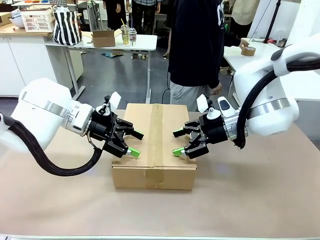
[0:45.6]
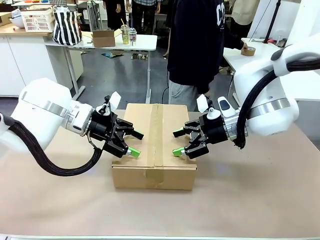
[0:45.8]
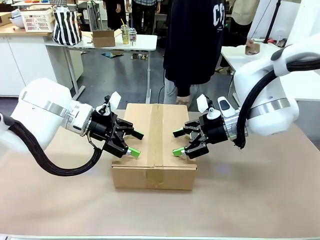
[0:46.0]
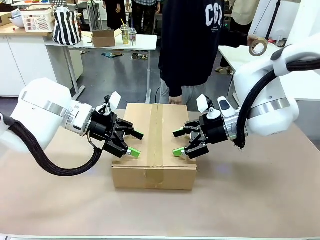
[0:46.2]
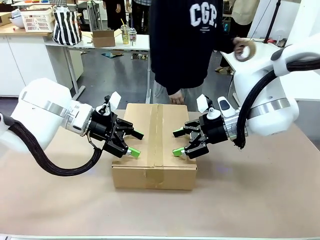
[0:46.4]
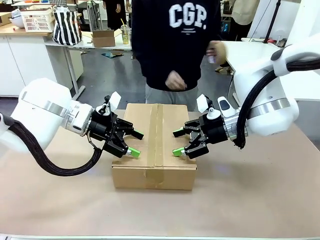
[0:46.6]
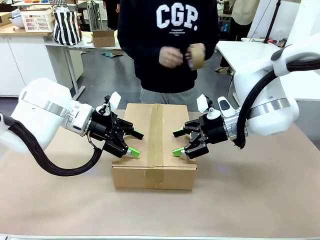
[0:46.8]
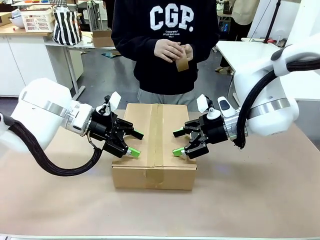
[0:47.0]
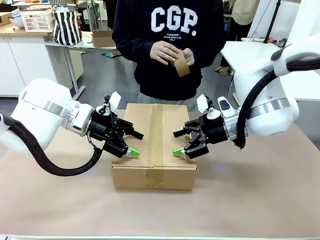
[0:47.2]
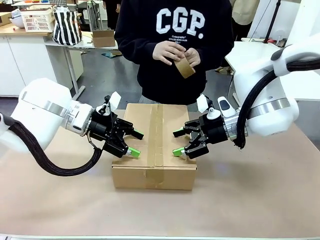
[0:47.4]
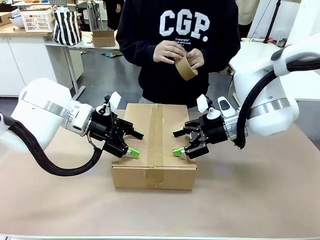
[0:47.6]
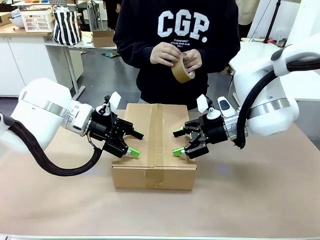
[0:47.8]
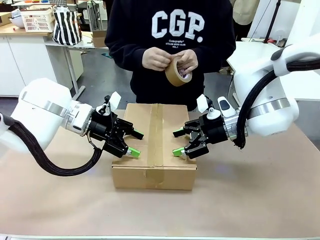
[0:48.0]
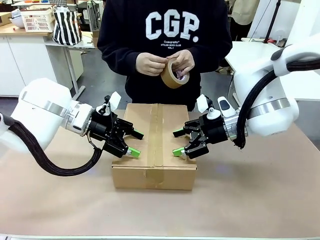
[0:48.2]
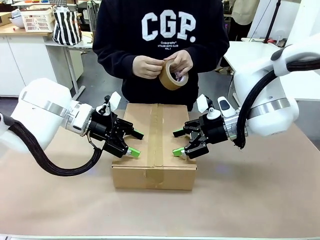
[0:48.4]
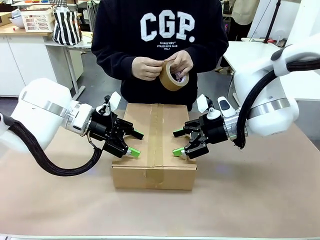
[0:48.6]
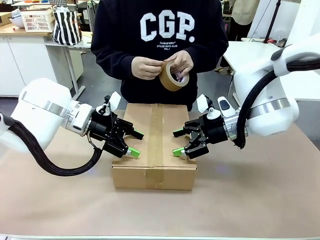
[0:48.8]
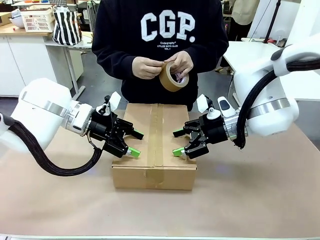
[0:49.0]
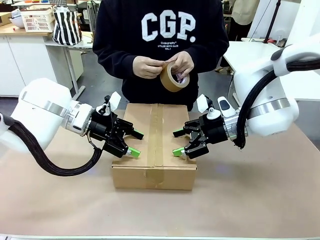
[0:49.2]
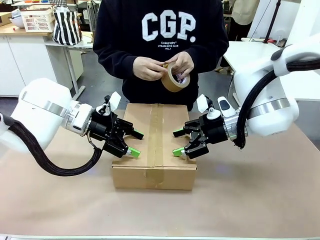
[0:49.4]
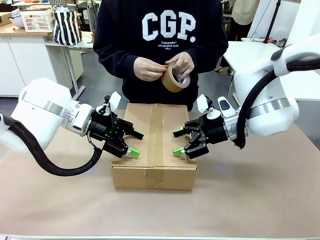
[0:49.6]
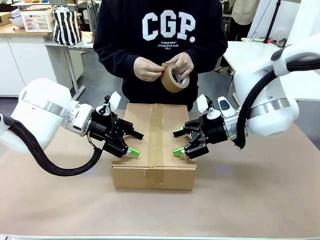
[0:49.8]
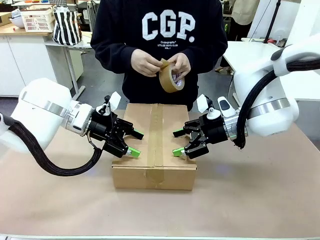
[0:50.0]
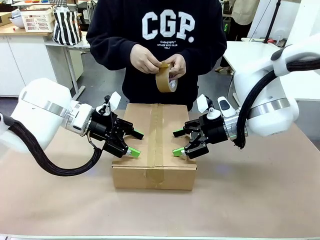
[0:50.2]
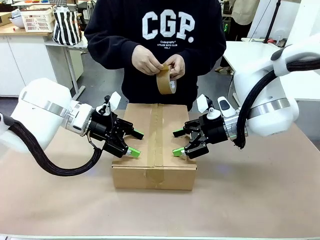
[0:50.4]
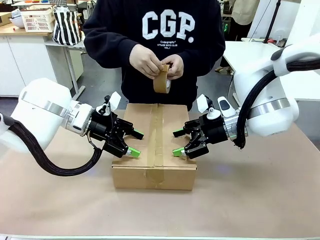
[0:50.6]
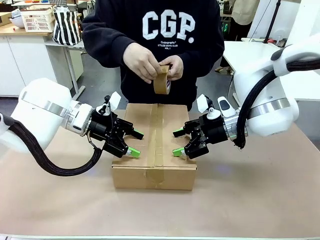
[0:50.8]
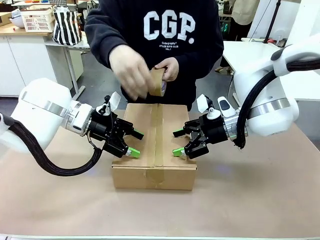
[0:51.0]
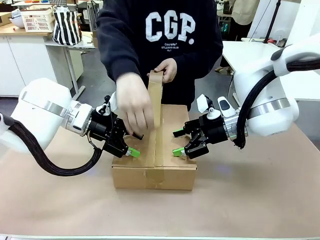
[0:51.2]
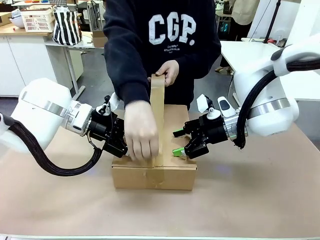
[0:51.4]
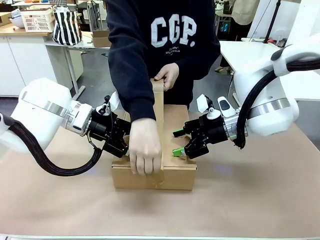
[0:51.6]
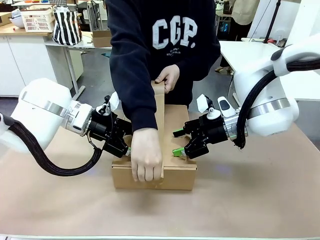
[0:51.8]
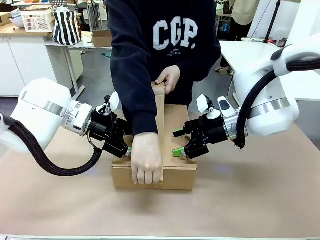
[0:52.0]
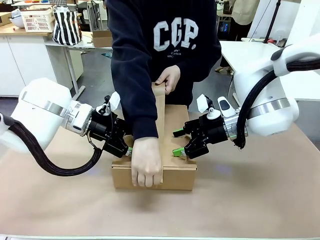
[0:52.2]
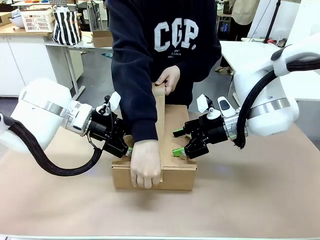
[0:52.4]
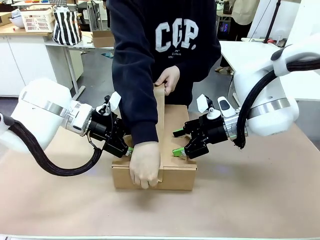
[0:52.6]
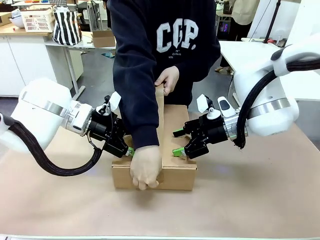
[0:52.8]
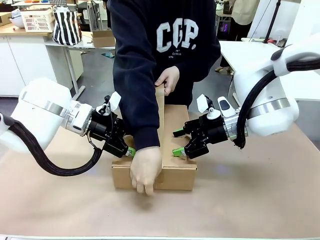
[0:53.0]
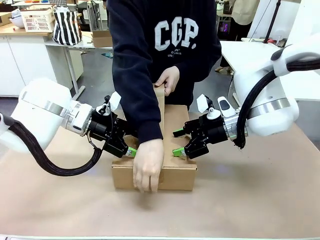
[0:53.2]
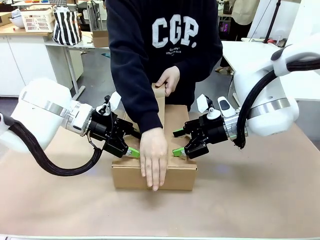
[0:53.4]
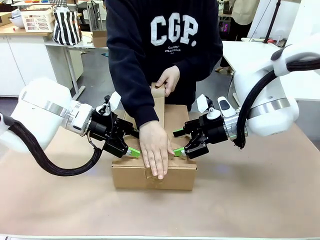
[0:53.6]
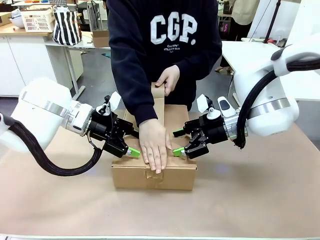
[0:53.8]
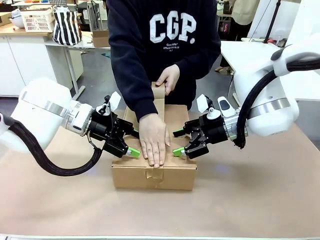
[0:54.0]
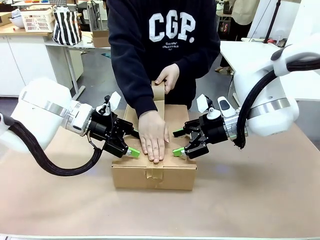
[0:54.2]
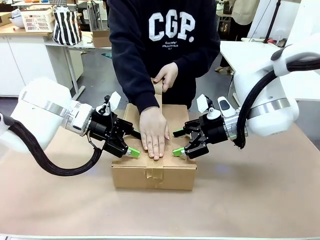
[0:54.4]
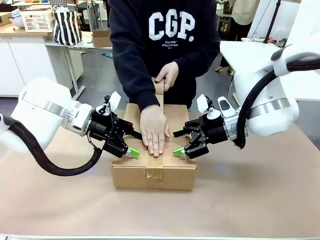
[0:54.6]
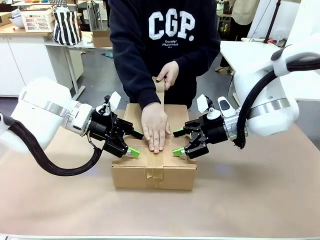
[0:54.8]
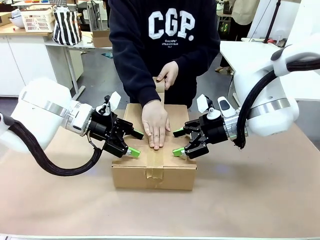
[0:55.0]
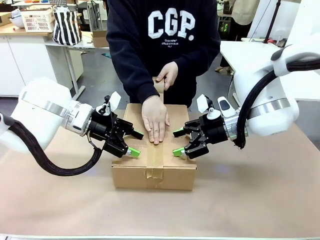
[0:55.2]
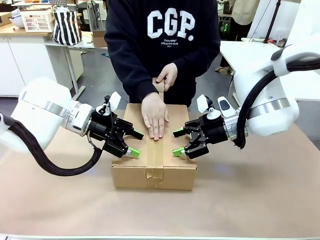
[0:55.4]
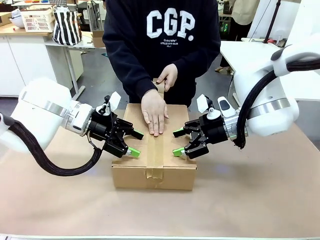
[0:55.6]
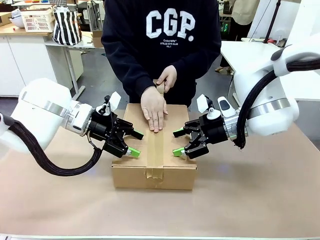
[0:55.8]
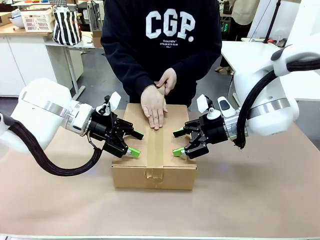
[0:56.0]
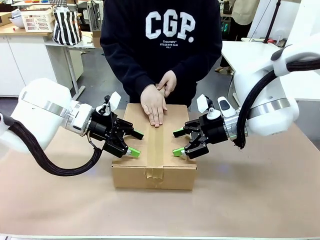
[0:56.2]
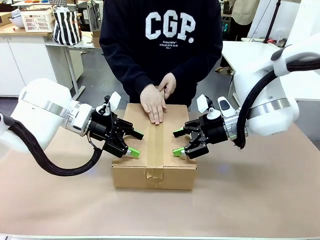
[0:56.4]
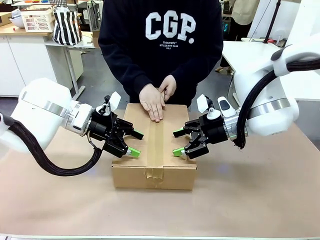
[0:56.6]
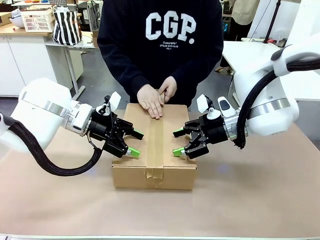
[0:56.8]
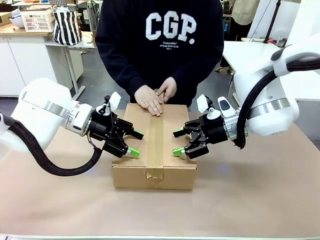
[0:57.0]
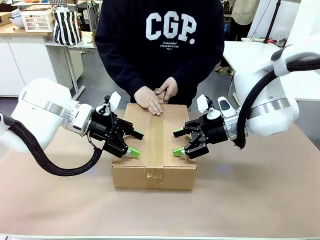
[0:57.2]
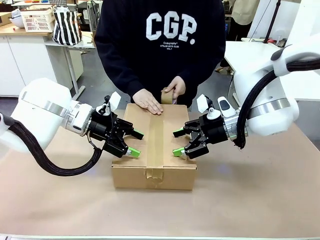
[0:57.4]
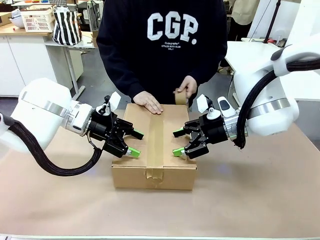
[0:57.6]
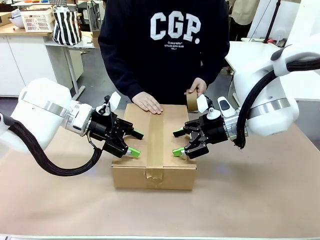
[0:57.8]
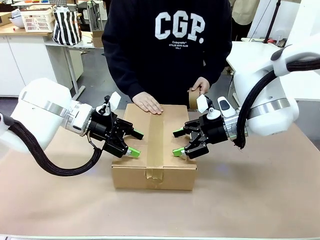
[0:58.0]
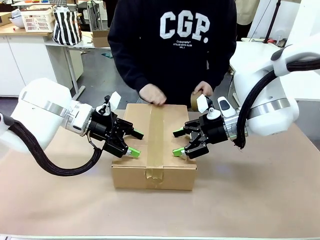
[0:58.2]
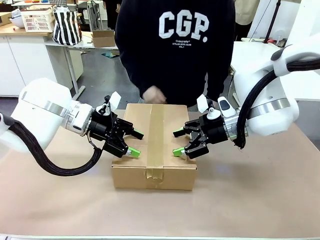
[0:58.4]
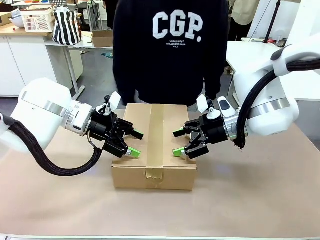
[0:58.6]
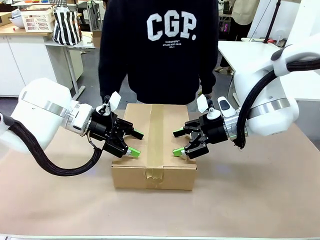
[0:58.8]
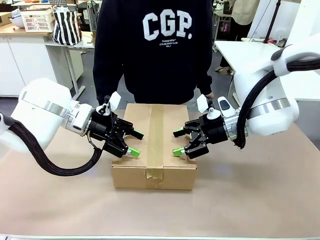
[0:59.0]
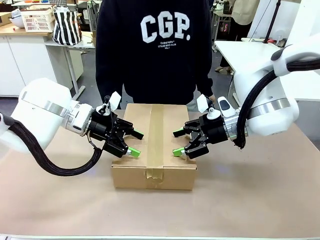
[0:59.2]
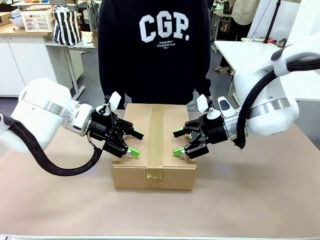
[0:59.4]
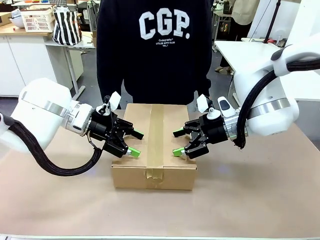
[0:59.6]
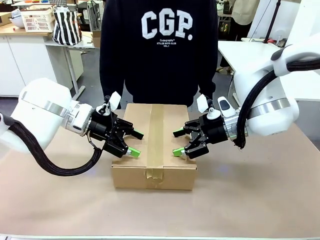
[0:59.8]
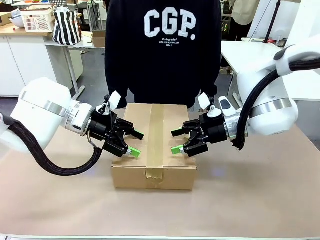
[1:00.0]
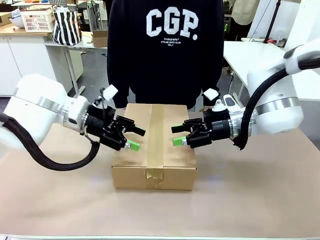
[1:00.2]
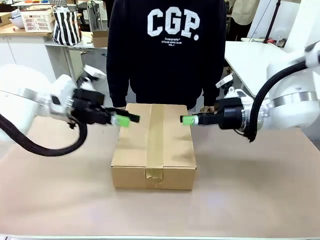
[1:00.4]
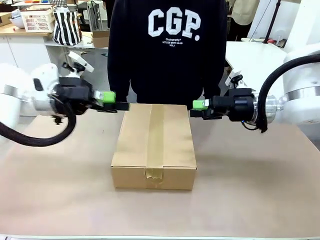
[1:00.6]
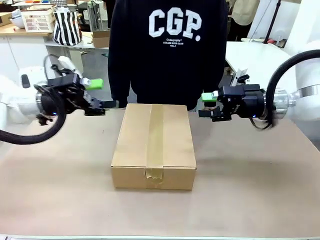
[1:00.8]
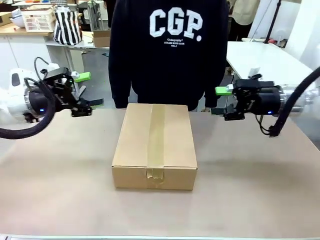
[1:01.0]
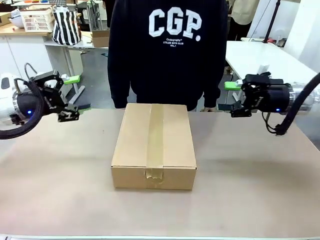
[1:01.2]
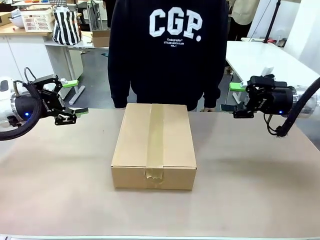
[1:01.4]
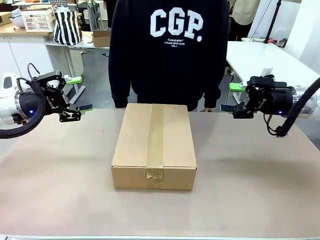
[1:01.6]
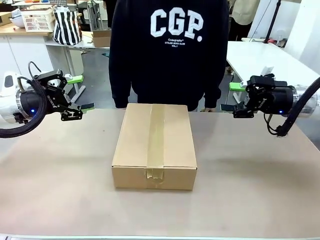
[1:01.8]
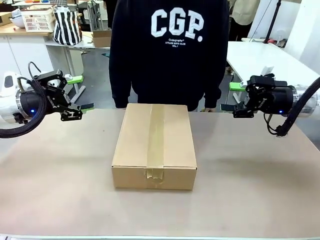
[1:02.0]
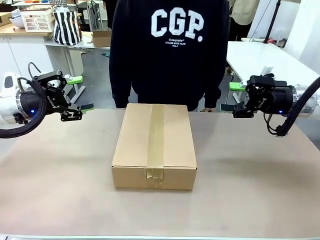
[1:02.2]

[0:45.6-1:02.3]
Task: Pack the gift set into the box.
Robot: Press and hold the closed box until the human finishes sealing it.
Person: The human picks up the paper tape from the human table and packs the box.
